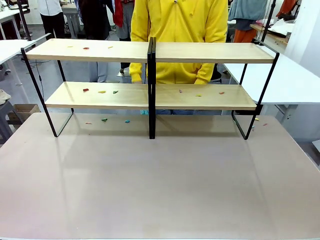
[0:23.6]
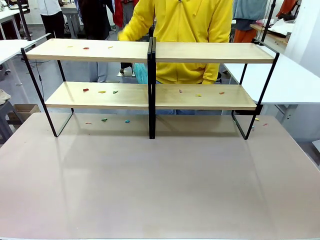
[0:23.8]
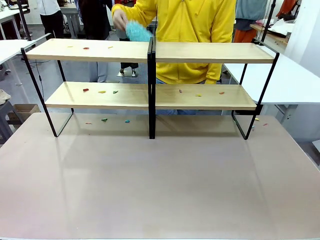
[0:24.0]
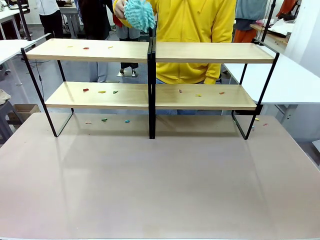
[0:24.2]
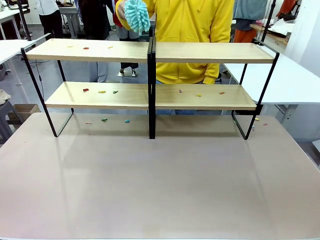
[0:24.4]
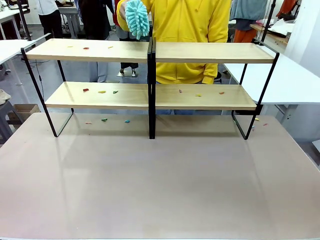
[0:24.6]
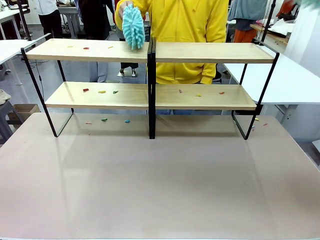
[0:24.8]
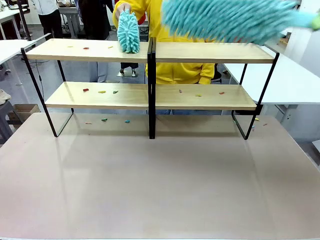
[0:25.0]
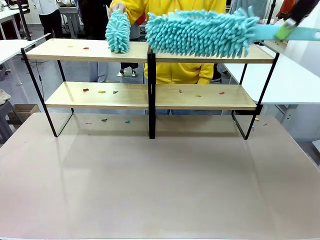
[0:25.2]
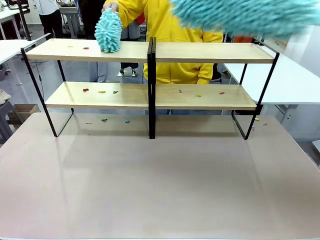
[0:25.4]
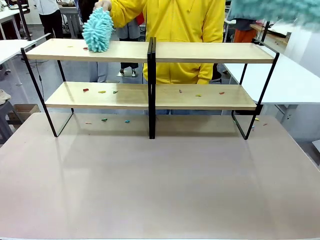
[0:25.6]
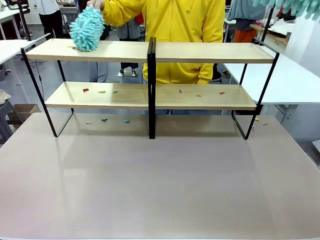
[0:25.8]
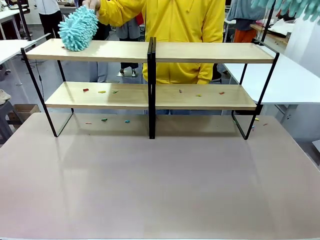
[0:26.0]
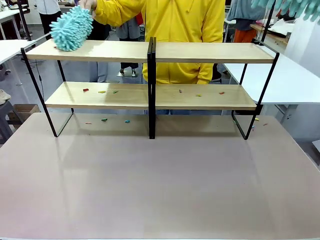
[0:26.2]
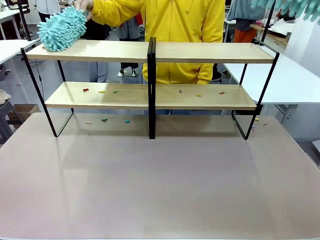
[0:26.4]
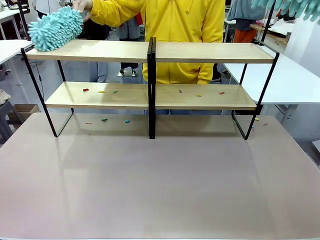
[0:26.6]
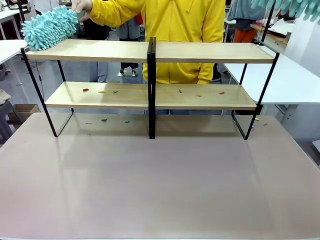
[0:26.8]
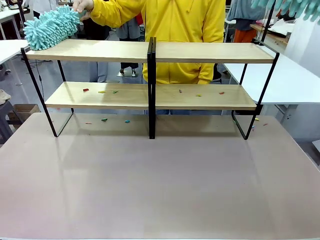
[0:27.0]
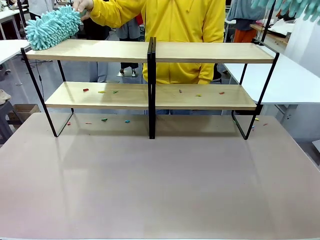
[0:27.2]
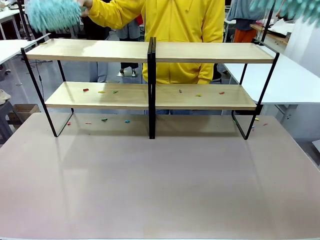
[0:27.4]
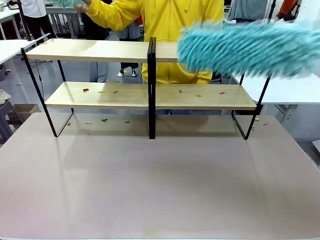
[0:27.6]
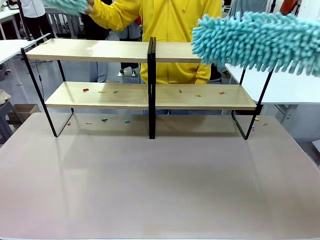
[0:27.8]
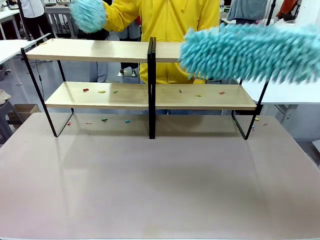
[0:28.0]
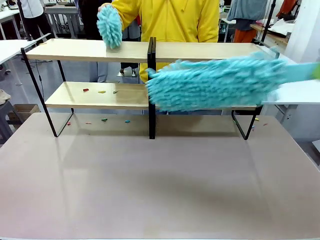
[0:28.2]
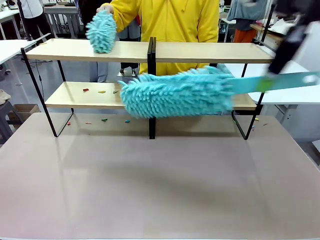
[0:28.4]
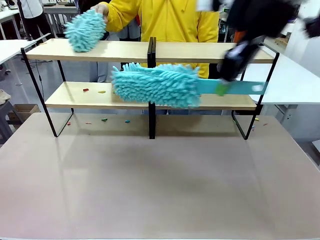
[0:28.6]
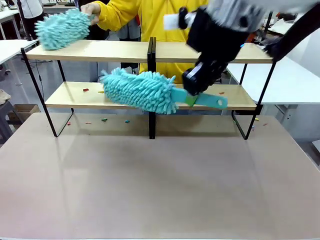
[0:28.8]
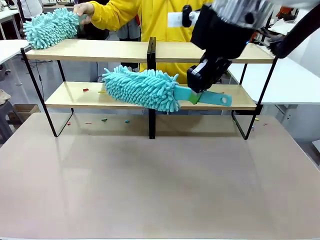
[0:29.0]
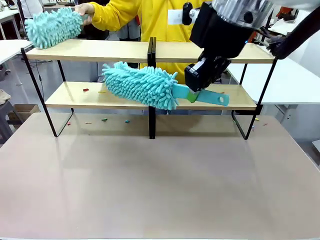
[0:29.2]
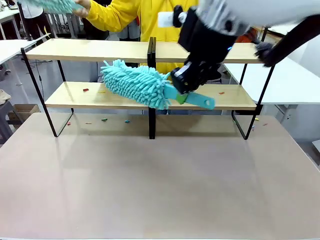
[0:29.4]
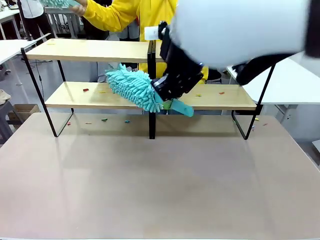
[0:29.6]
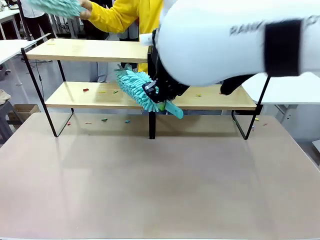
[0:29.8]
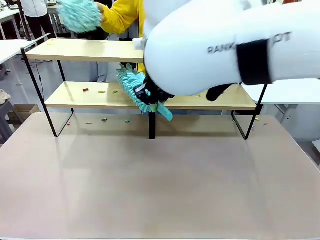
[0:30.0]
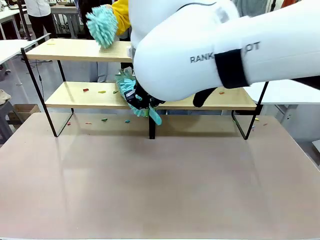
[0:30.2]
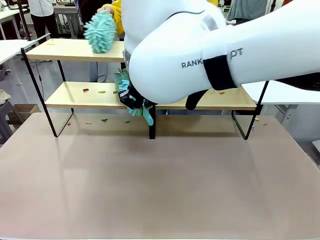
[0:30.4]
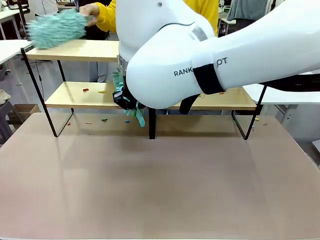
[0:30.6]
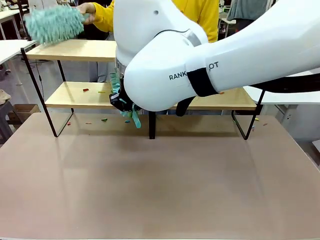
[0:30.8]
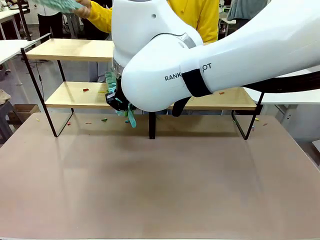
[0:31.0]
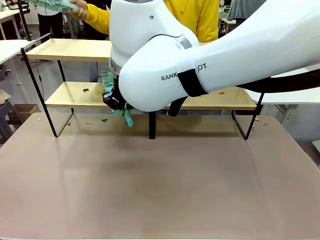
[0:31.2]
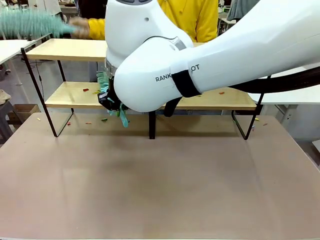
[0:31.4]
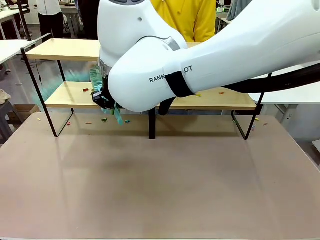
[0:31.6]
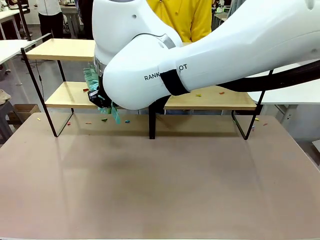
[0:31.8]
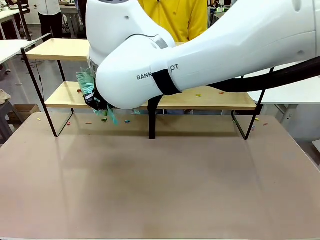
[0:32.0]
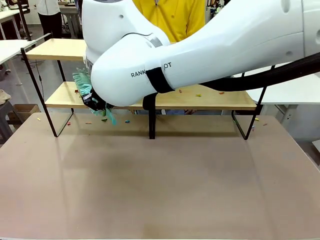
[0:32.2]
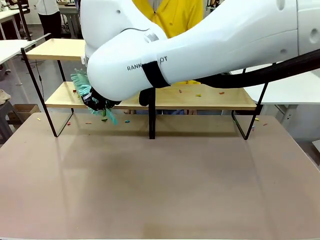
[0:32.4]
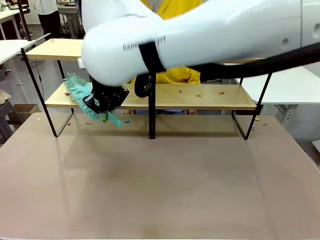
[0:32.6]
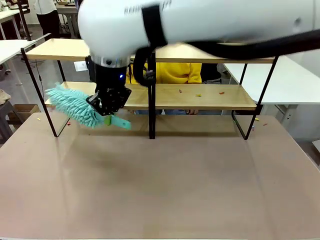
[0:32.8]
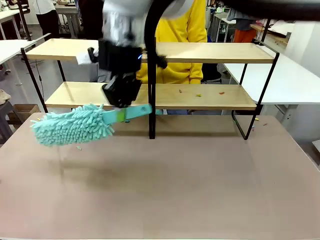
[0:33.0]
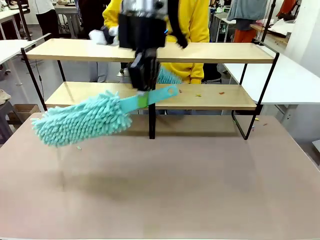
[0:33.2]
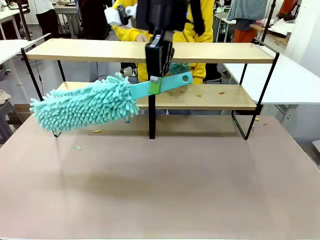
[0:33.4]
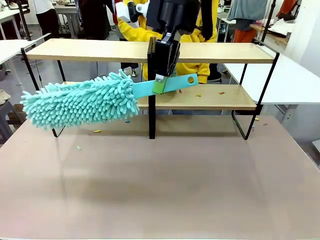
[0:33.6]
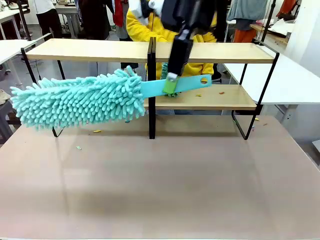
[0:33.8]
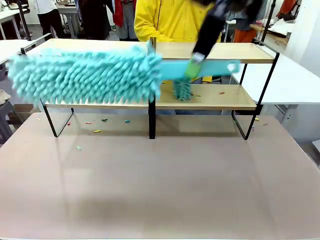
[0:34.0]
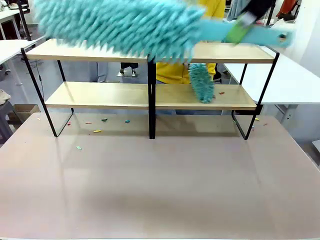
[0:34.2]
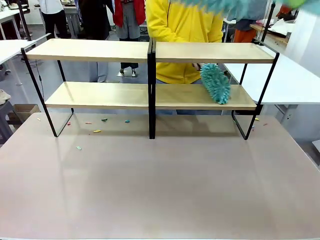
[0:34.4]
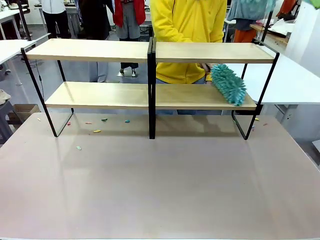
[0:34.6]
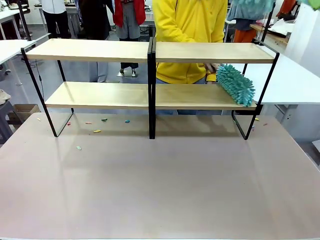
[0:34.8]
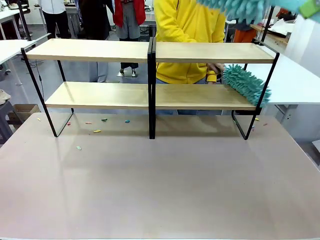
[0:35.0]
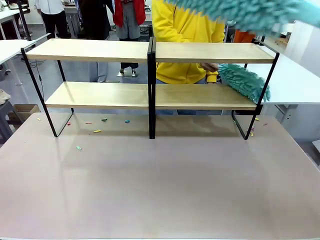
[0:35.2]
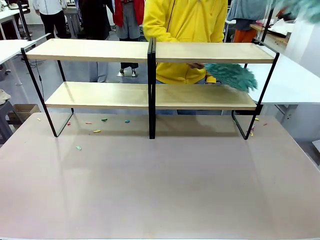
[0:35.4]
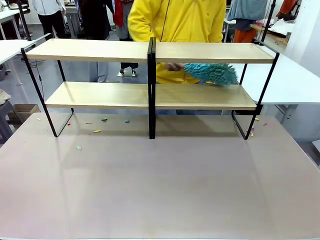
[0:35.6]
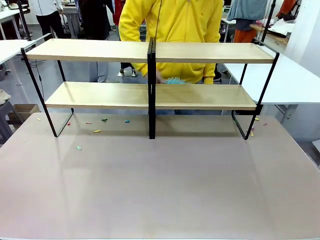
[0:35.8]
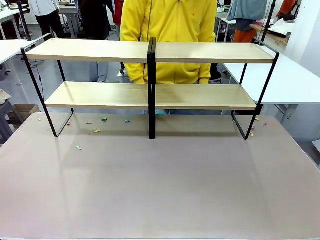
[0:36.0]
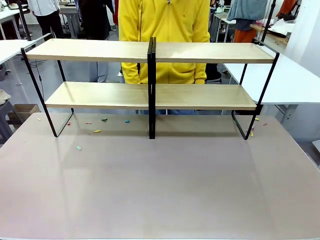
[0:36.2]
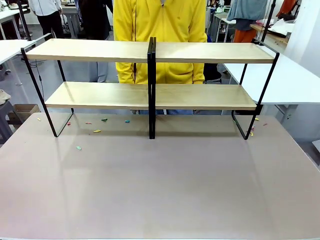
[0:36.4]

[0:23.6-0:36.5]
Task: Clean the shelves.
Robot: Clean another randomly selected level of the Shelf with the Duster.

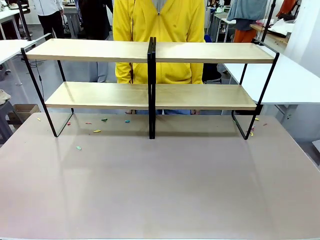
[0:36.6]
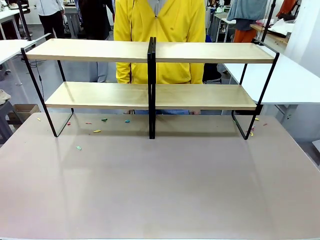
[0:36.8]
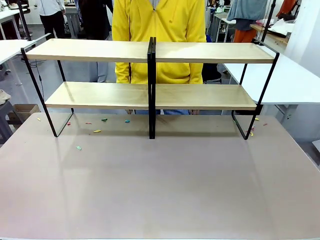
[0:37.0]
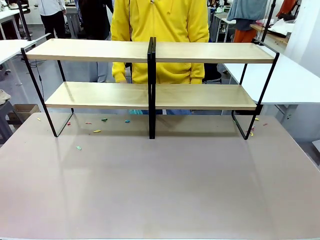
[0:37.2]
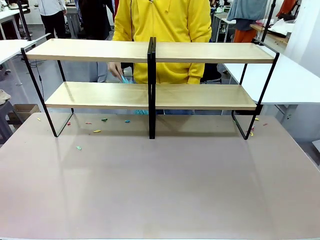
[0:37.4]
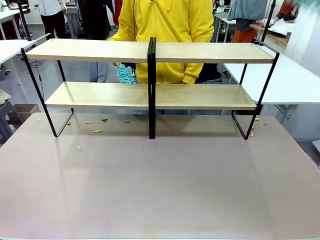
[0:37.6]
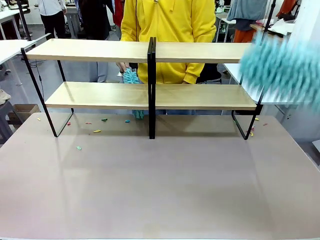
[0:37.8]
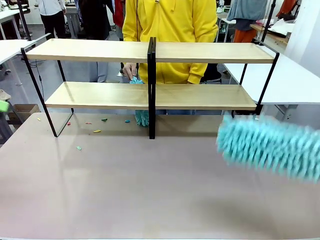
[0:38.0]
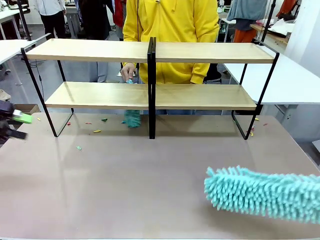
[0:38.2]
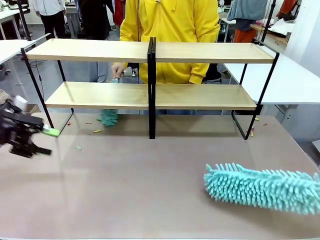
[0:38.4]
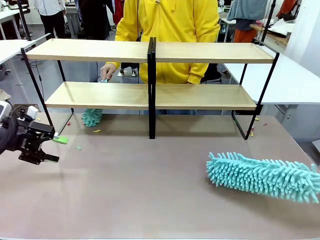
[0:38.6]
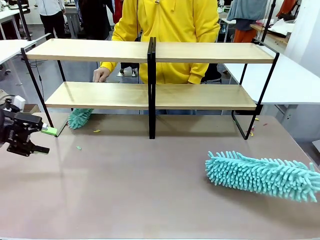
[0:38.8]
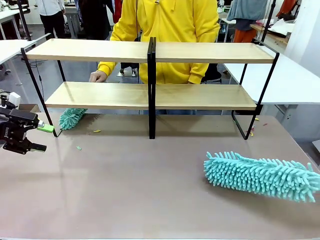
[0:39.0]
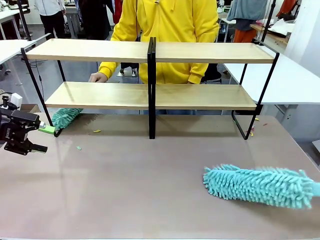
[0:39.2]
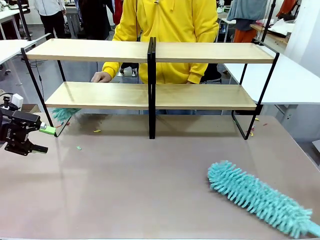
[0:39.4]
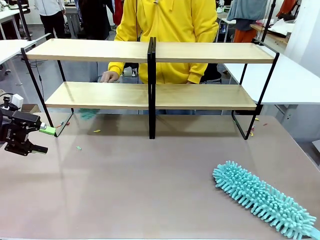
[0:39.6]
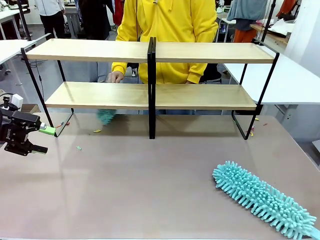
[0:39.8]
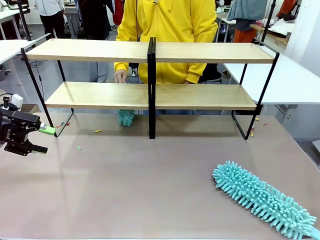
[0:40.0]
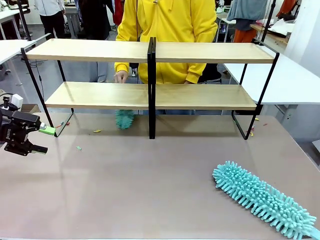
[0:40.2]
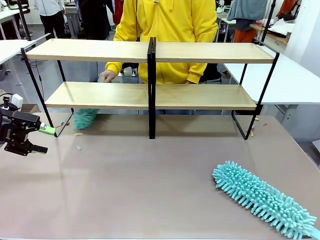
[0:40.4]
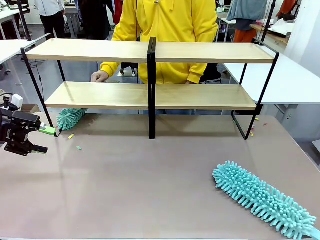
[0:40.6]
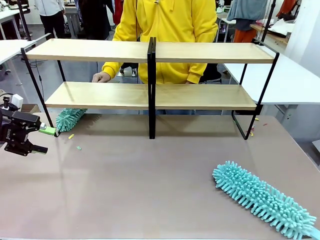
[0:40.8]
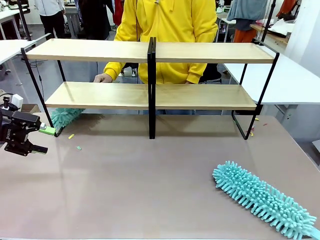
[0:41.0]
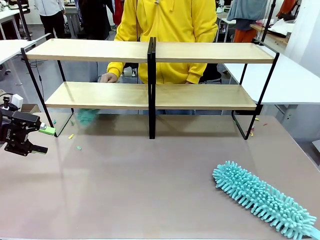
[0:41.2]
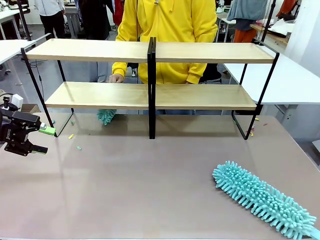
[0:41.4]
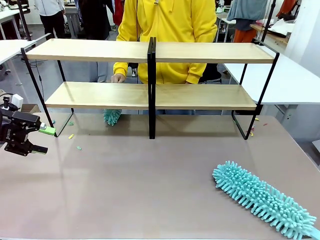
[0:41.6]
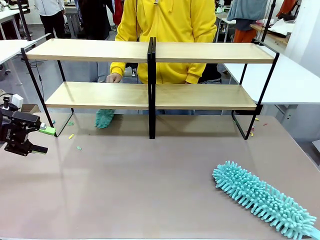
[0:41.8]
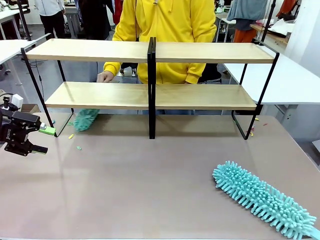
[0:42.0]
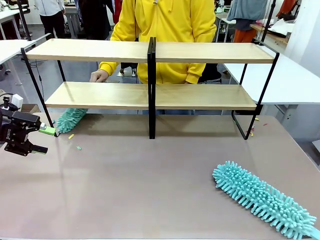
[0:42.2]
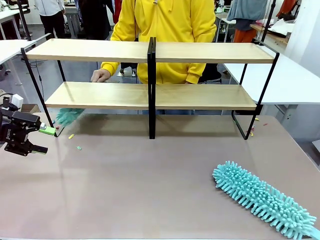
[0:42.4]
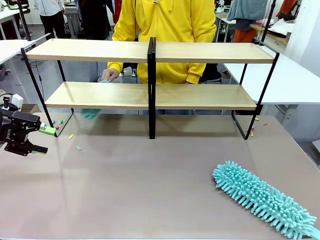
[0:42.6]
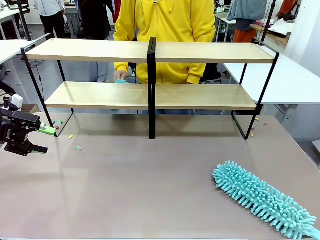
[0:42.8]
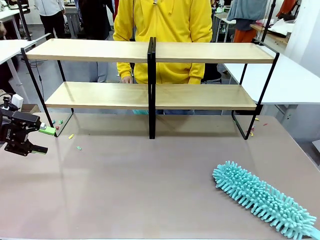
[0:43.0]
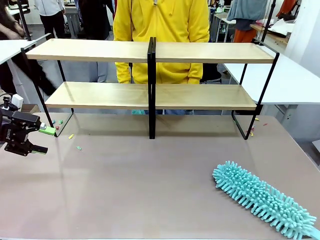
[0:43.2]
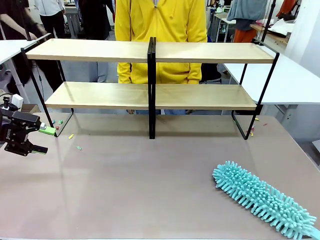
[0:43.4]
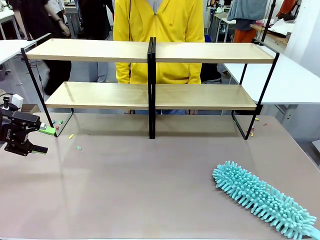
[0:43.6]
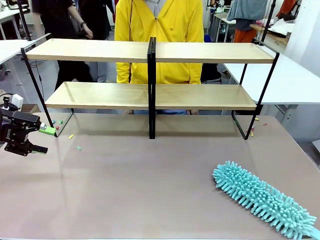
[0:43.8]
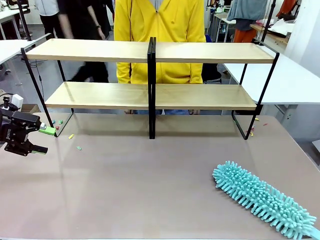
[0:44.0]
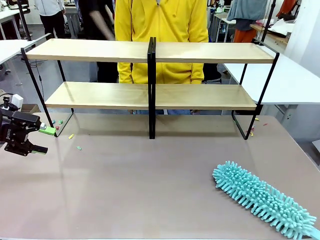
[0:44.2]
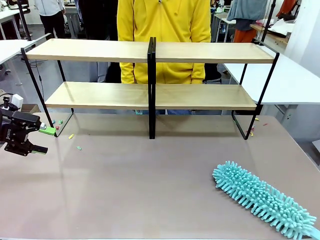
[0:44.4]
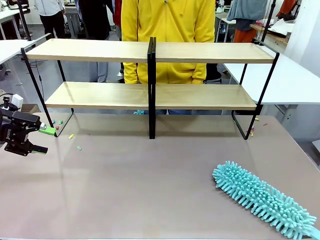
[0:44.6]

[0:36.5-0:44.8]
Robot: Place the Duster on the table.
